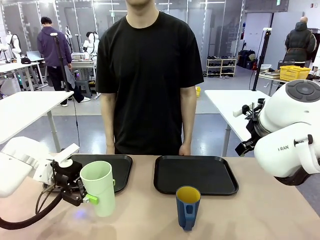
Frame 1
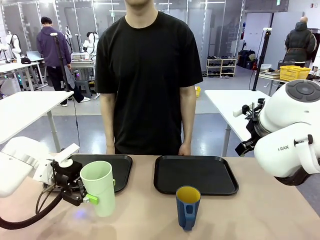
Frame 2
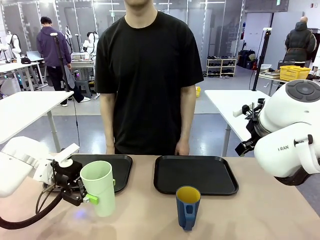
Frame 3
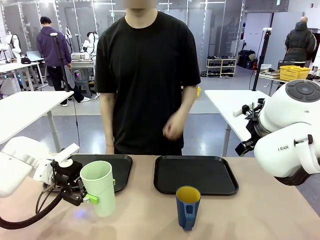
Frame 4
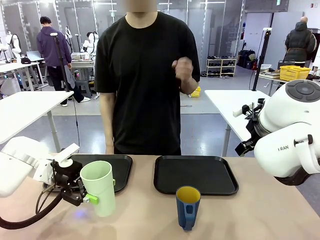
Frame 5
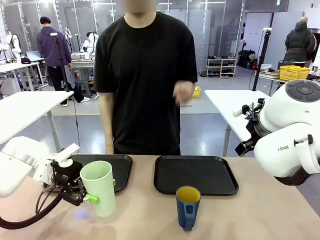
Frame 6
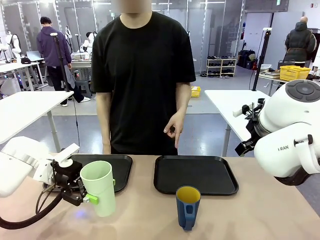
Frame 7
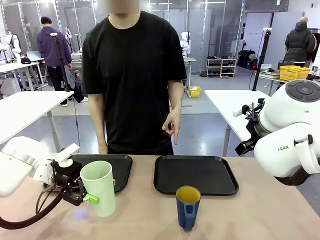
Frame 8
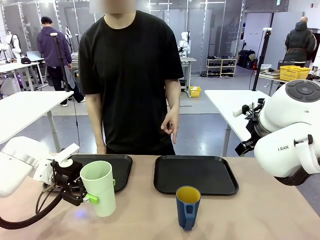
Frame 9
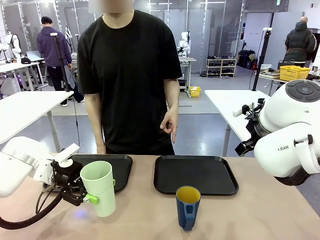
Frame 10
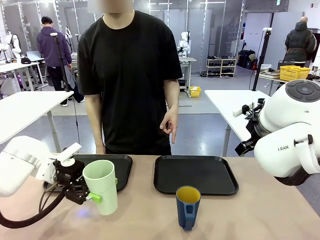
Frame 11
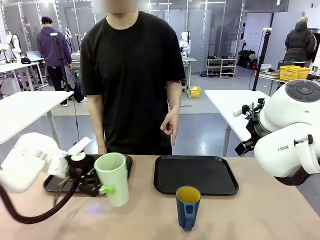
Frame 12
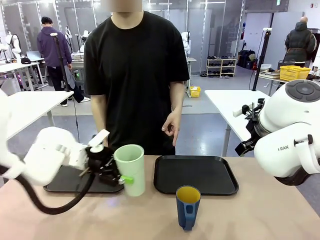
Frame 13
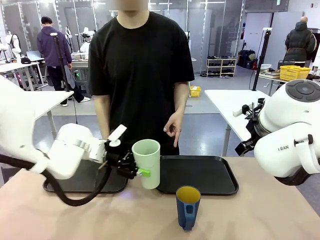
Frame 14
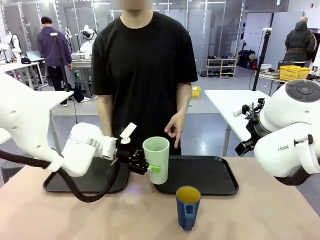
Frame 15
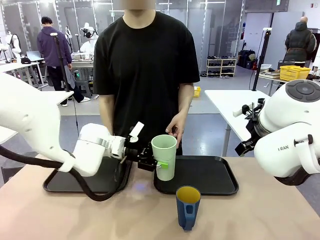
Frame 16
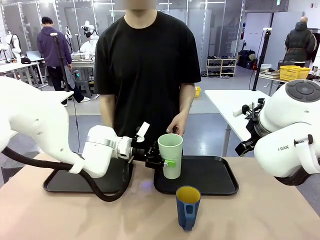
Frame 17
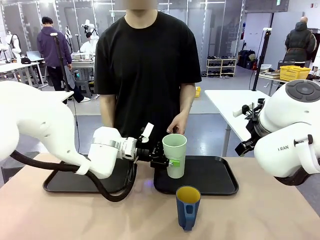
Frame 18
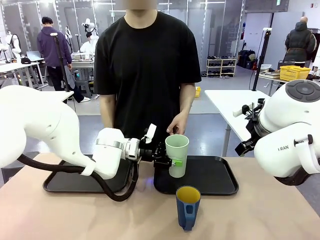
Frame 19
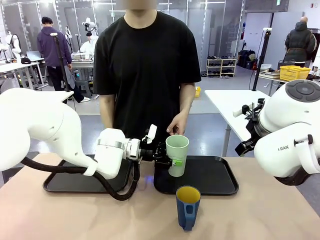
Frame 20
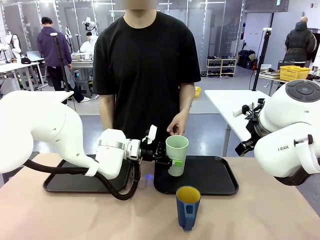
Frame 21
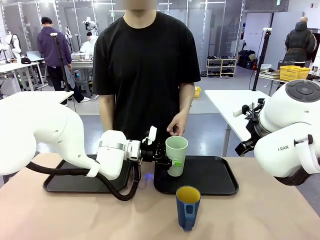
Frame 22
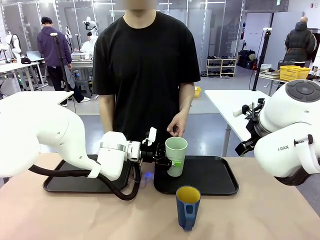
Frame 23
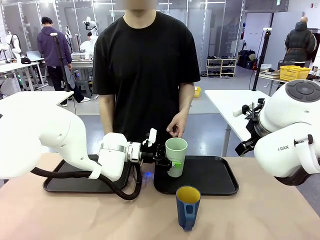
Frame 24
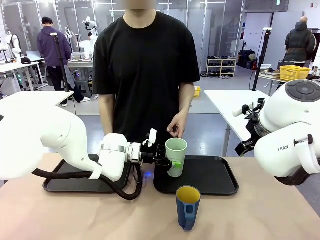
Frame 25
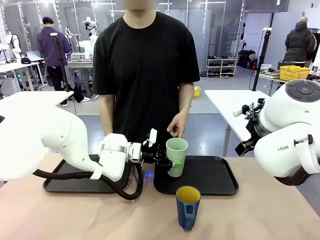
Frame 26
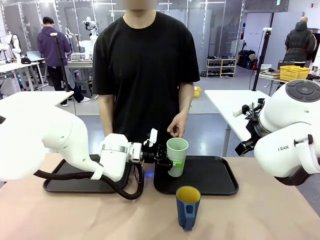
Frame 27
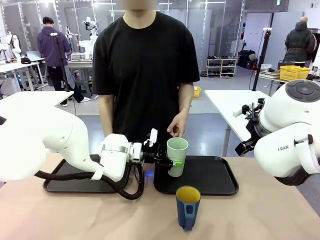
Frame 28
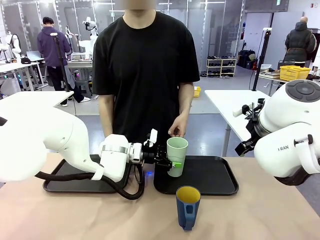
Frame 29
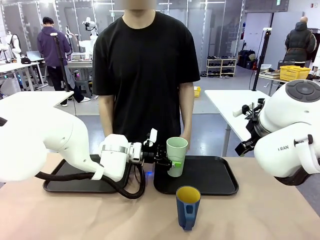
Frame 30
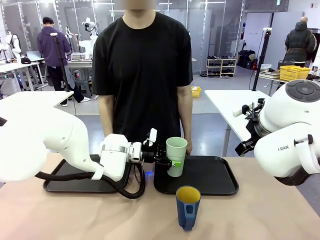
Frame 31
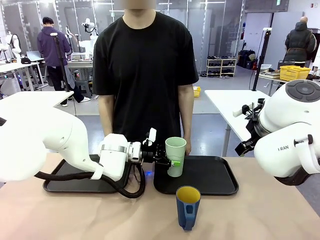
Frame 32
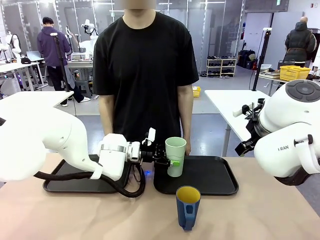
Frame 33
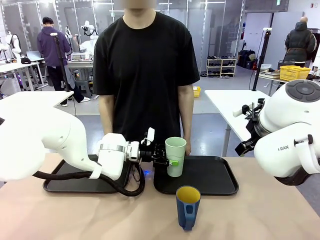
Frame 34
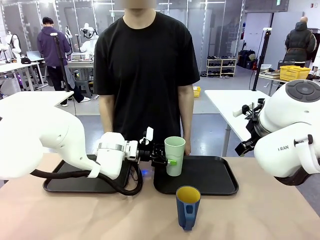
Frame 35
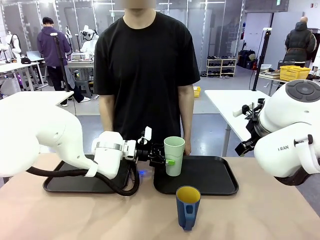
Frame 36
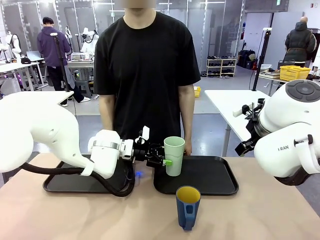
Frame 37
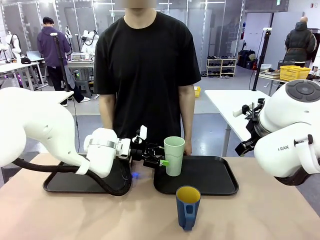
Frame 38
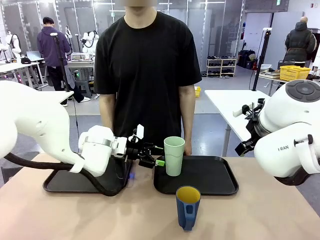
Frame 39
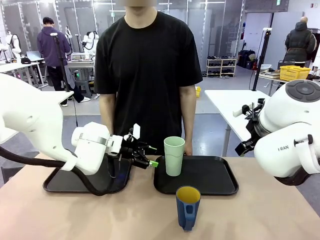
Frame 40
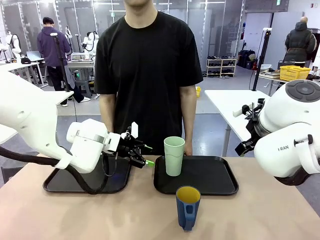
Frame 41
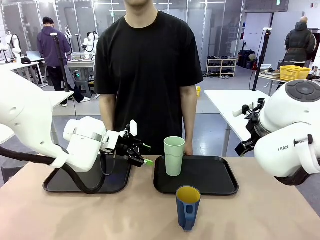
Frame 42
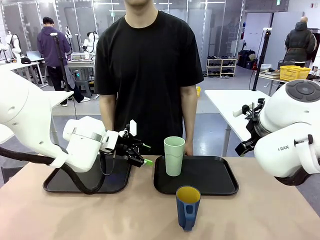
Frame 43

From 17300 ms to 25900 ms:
Task: Sort and store the cups by type.
Robot: Place the picked Reusable plastic cup into the Flat Tray indicated by the person.

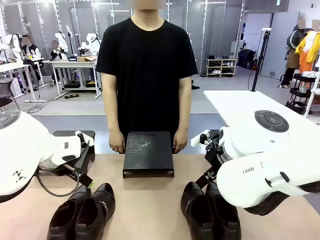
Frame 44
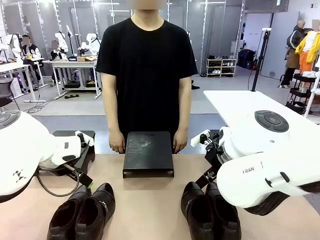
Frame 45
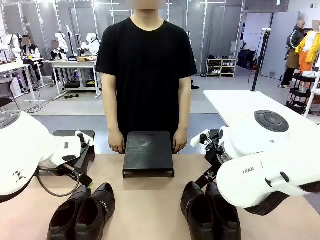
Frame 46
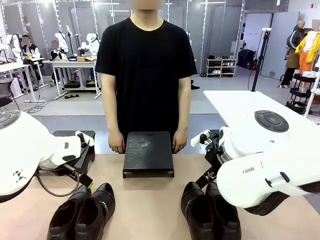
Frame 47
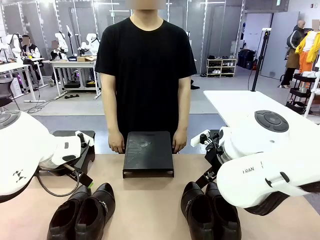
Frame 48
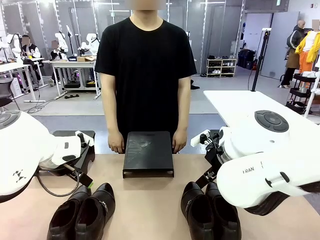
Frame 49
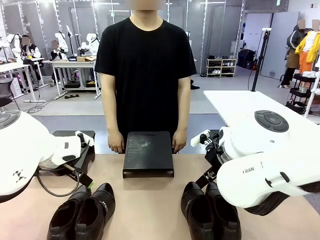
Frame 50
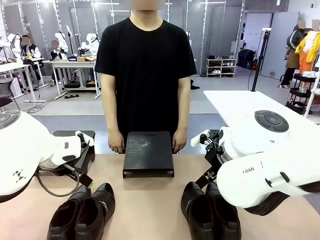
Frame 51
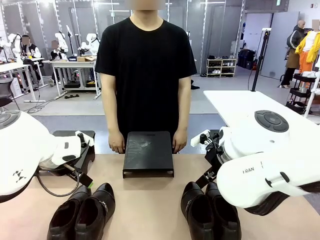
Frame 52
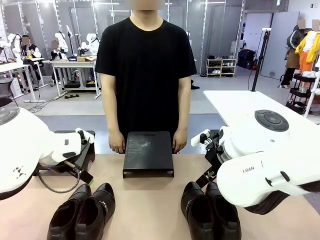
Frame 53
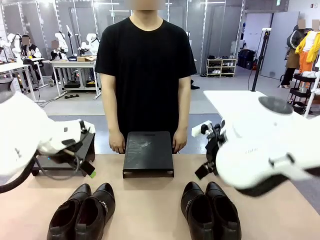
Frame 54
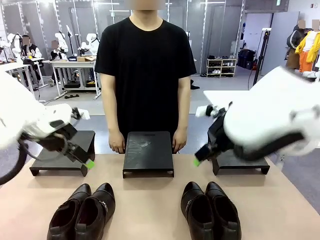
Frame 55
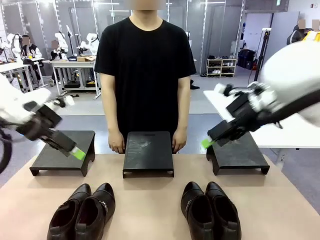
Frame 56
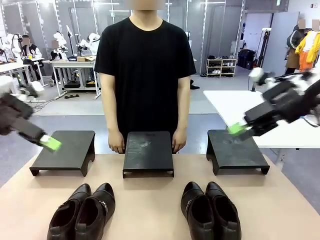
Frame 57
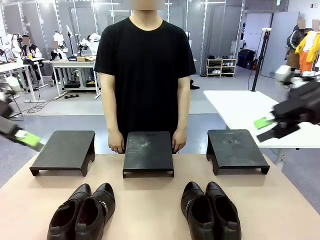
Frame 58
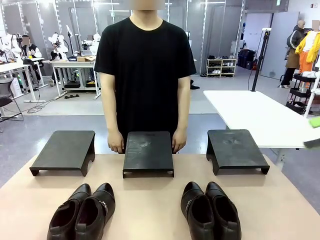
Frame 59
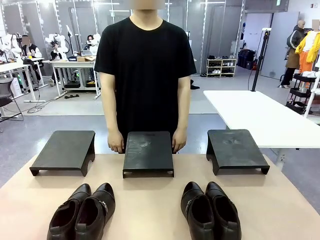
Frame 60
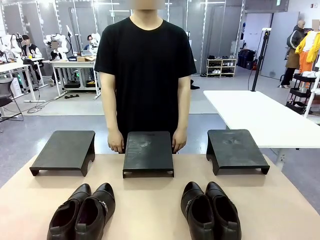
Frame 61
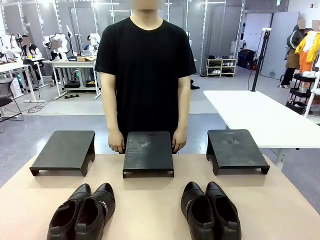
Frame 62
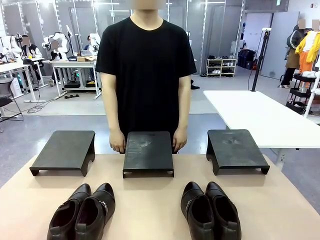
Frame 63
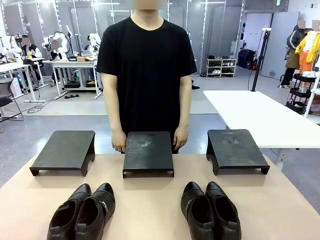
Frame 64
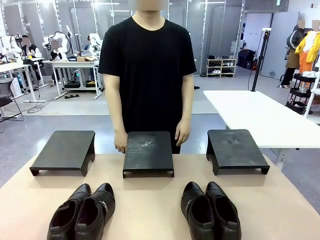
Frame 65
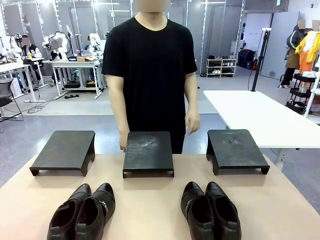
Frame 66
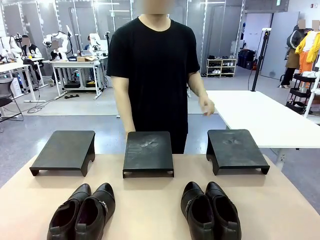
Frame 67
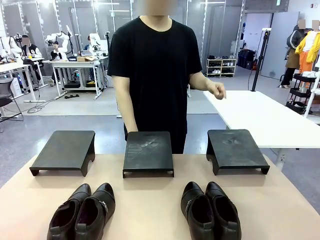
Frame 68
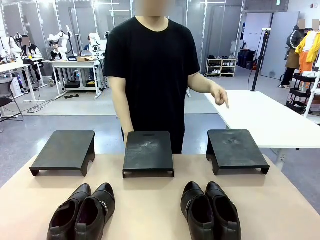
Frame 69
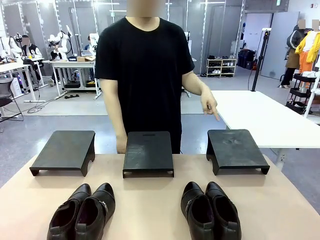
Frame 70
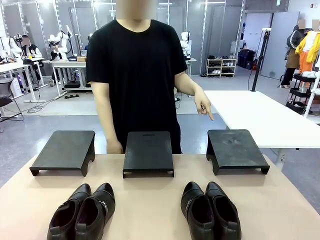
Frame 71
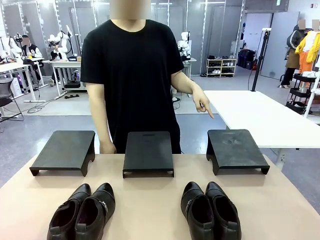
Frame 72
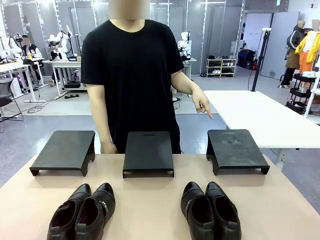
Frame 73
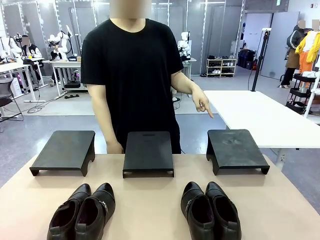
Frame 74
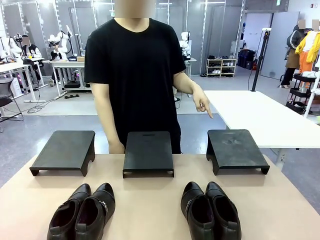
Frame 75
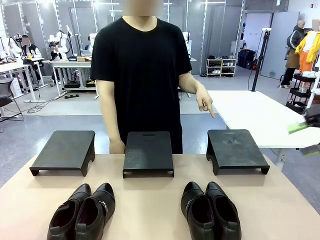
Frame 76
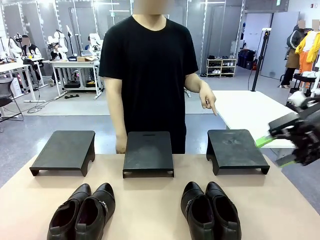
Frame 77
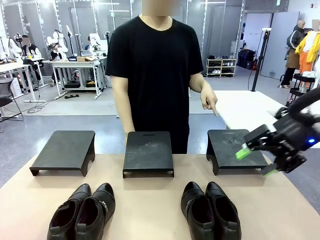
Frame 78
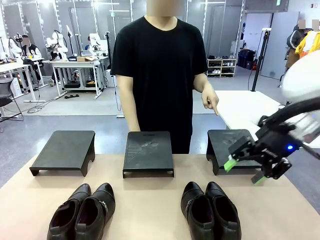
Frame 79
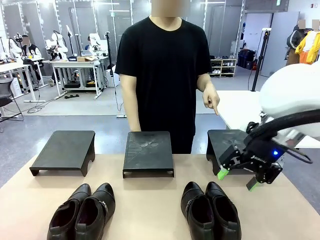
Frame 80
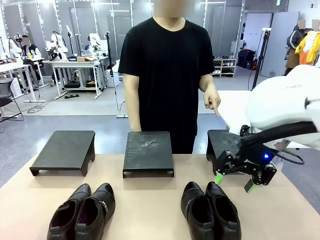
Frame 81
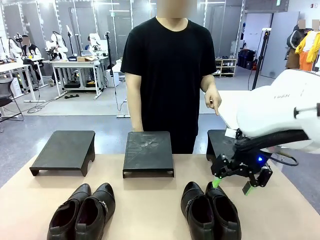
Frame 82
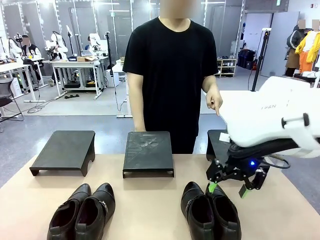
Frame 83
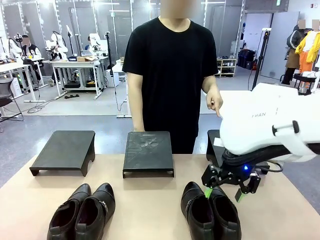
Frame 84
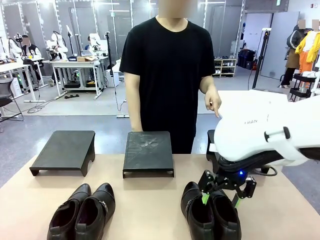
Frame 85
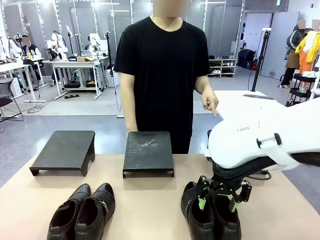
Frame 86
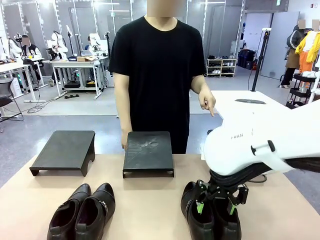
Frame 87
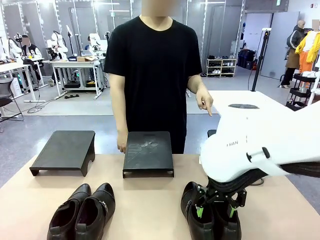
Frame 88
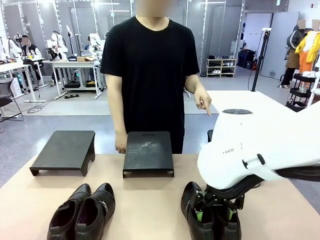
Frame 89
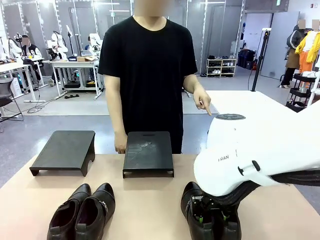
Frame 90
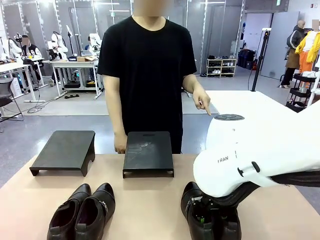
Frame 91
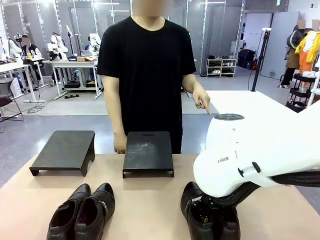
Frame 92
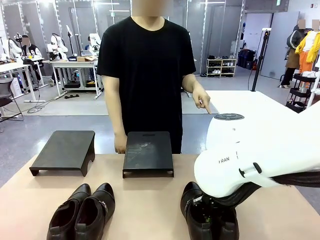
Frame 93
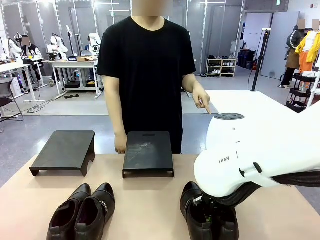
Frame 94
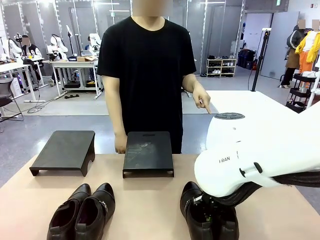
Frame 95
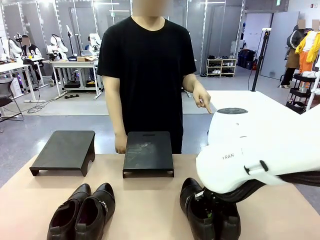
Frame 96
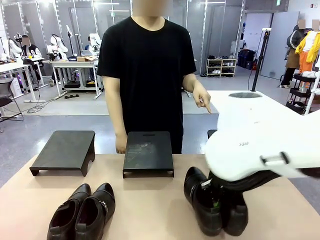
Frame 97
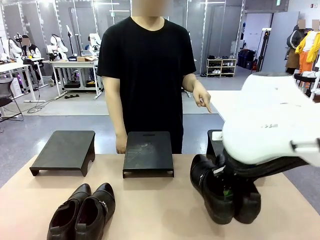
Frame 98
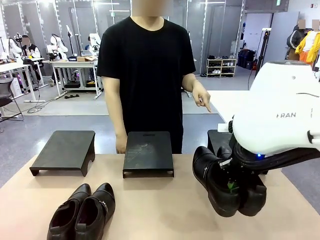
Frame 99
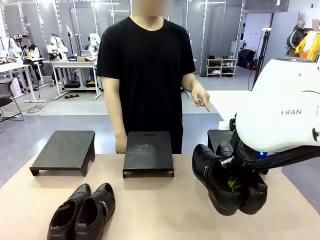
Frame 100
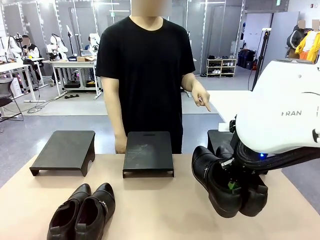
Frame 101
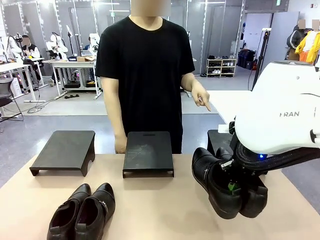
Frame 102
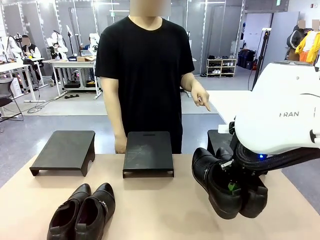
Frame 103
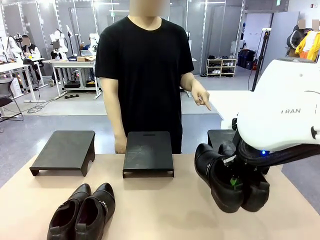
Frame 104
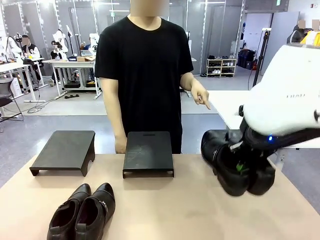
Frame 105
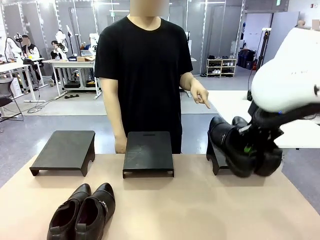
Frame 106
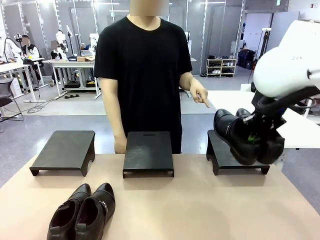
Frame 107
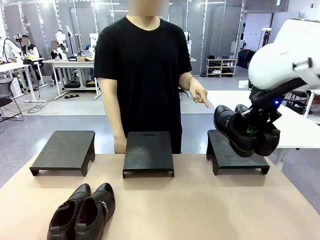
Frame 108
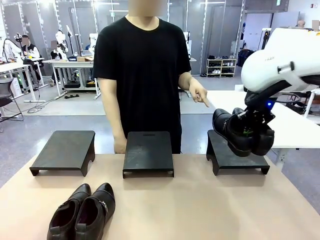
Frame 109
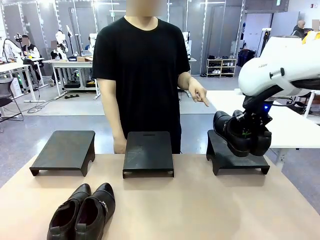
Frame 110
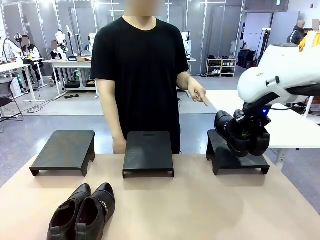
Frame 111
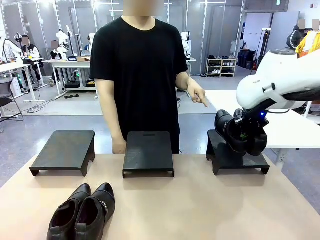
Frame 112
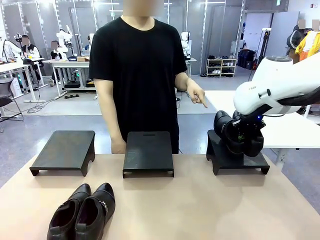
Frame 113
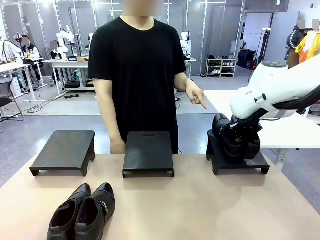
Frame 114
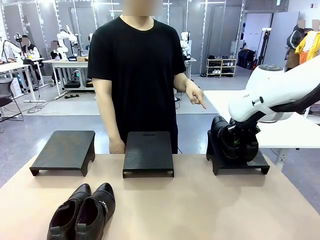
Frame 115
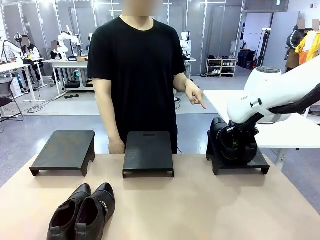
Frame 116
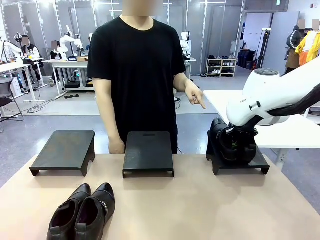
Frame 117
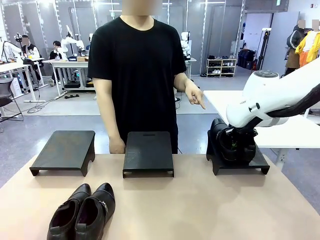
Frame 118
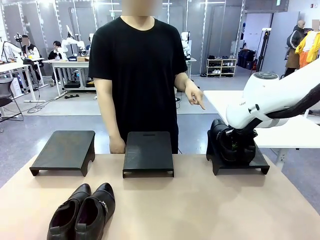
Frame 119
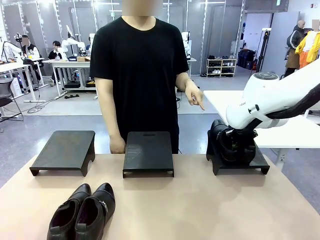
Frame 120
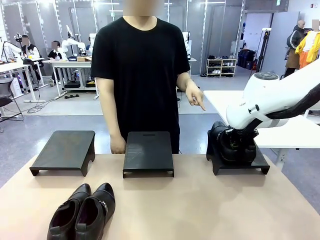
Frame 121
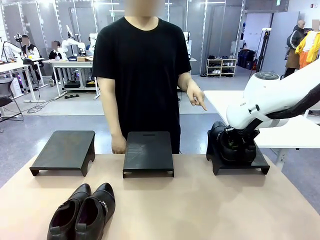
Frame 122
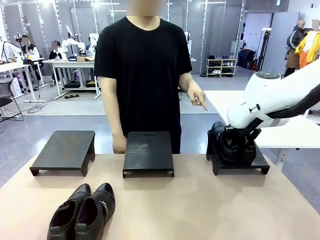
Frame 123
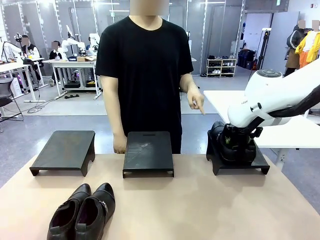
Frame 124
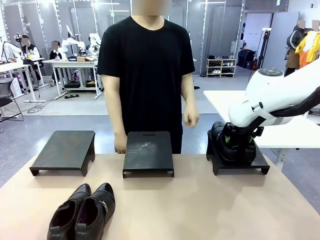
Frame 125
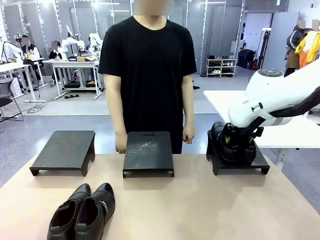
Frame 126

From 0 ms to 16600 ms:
Task: Place the shoes on the stand as instructed by the person.
Robot: Pick up one pair of Shoes and place it on the Shoes Stand indicated by the person.
